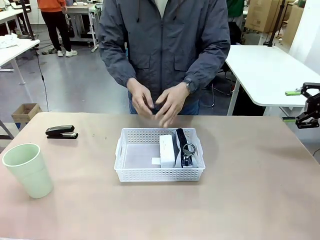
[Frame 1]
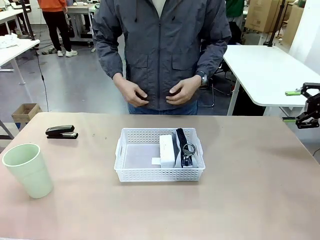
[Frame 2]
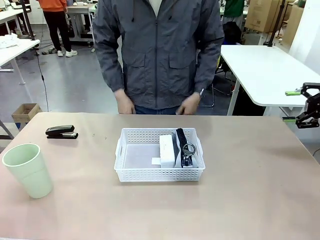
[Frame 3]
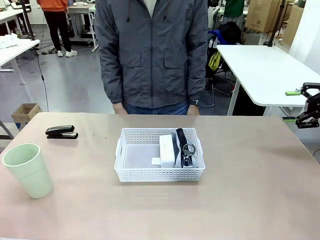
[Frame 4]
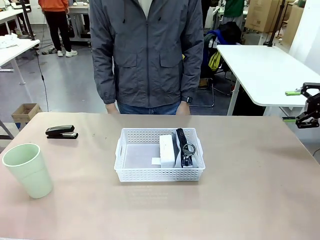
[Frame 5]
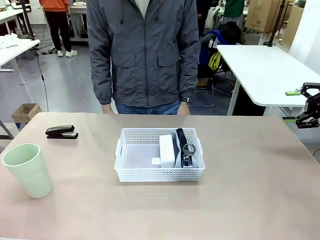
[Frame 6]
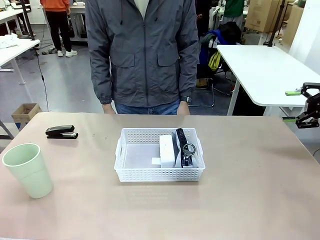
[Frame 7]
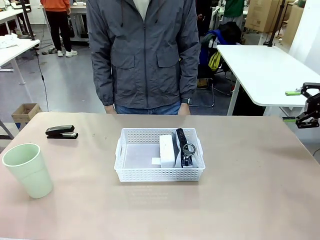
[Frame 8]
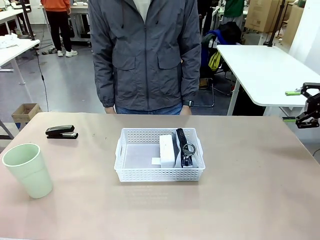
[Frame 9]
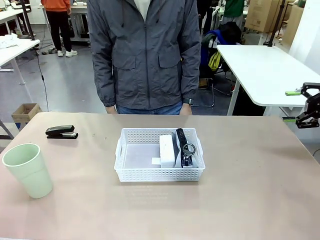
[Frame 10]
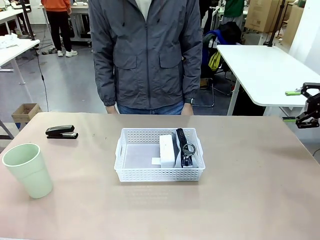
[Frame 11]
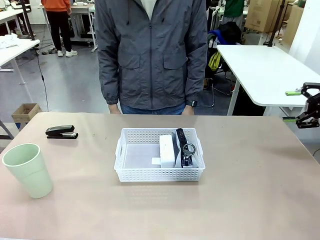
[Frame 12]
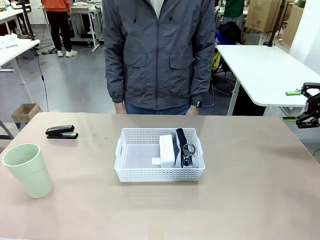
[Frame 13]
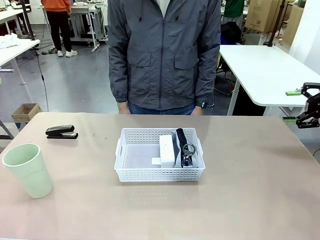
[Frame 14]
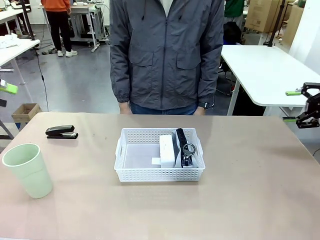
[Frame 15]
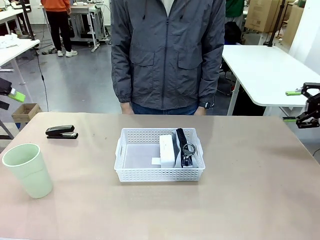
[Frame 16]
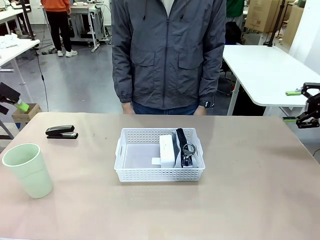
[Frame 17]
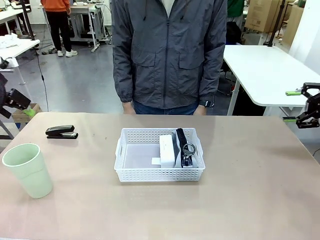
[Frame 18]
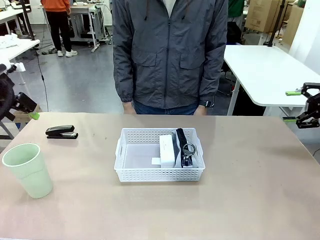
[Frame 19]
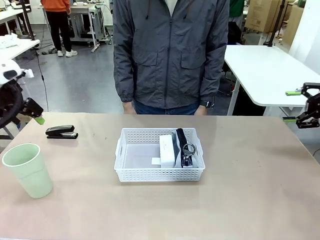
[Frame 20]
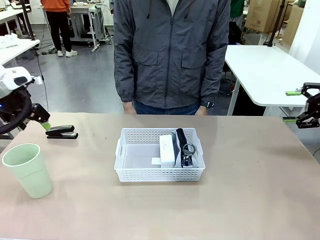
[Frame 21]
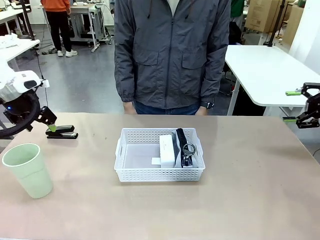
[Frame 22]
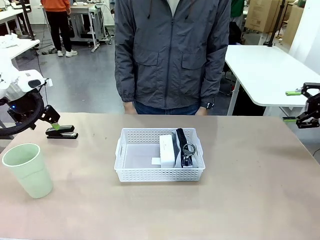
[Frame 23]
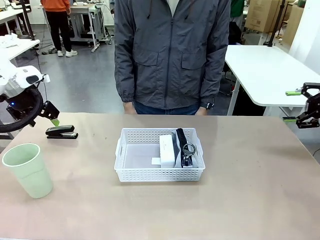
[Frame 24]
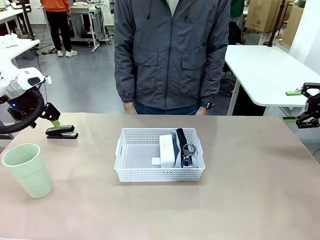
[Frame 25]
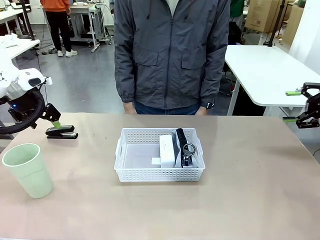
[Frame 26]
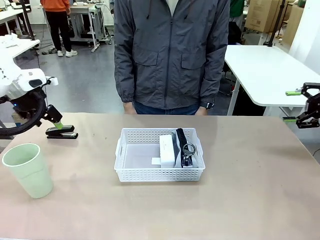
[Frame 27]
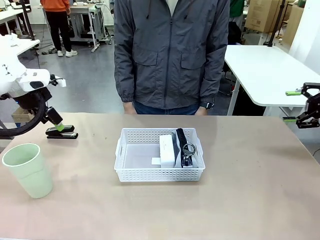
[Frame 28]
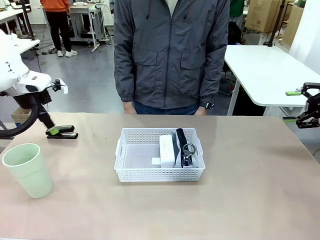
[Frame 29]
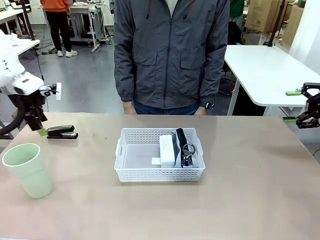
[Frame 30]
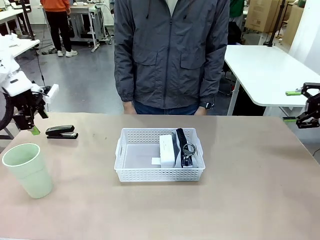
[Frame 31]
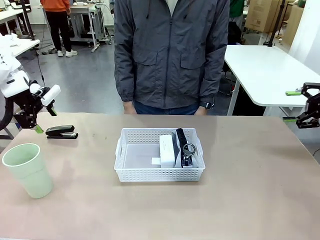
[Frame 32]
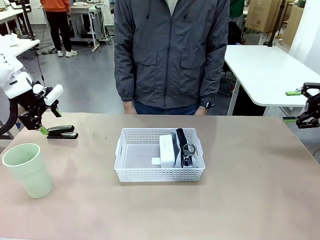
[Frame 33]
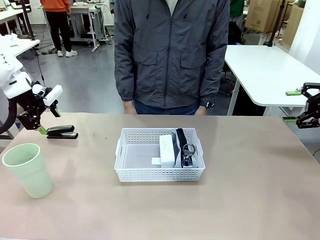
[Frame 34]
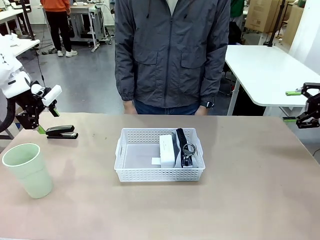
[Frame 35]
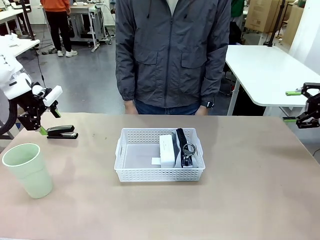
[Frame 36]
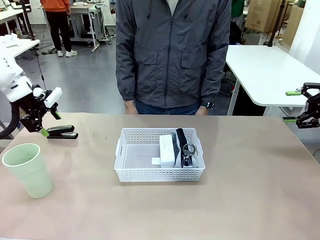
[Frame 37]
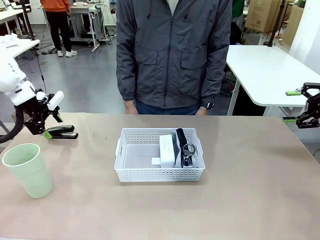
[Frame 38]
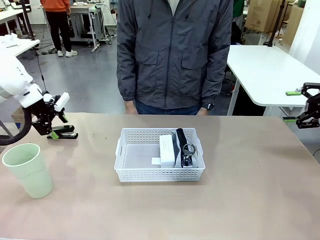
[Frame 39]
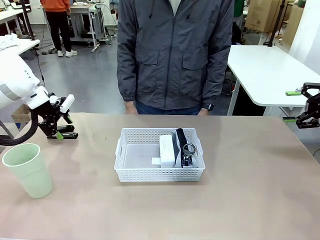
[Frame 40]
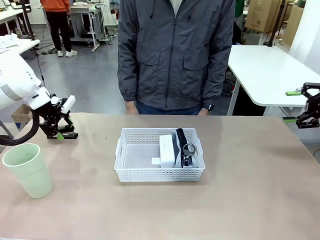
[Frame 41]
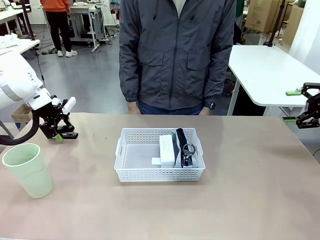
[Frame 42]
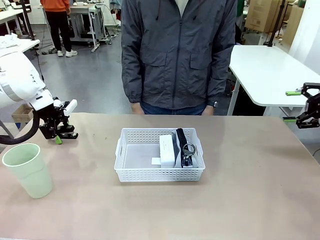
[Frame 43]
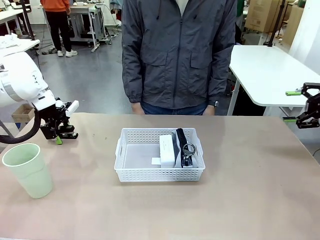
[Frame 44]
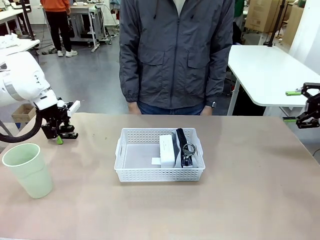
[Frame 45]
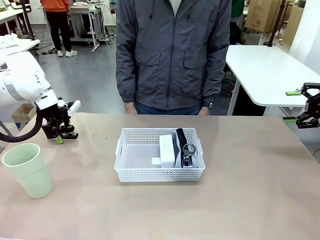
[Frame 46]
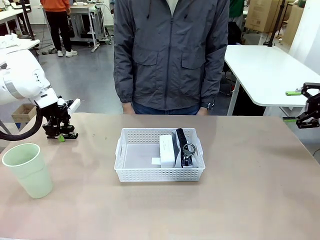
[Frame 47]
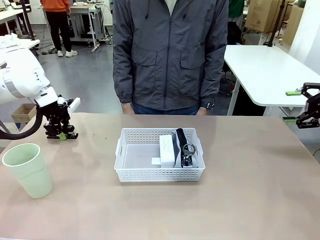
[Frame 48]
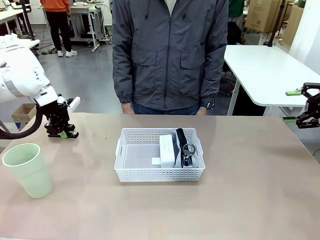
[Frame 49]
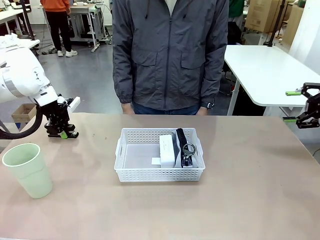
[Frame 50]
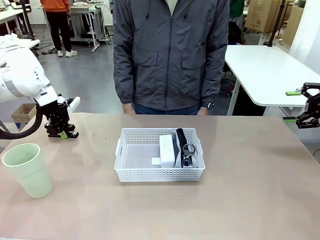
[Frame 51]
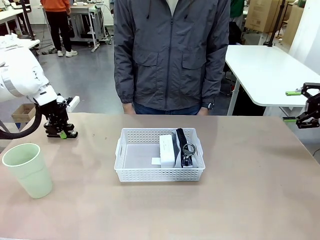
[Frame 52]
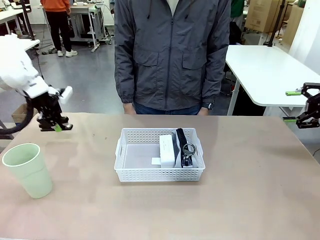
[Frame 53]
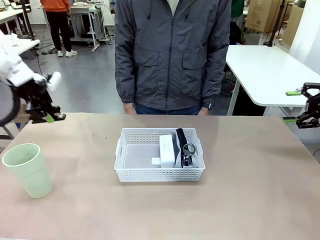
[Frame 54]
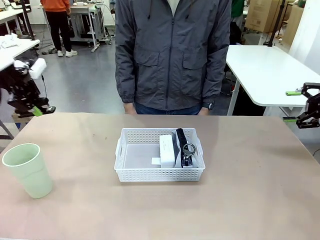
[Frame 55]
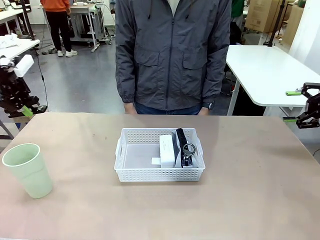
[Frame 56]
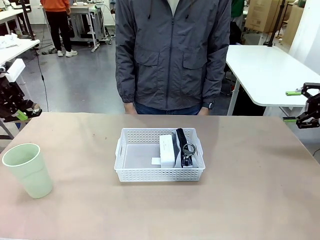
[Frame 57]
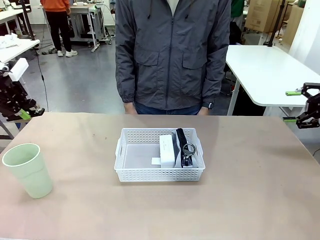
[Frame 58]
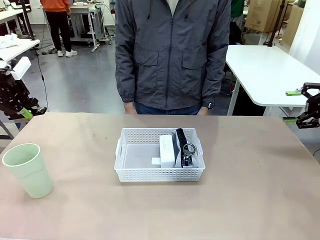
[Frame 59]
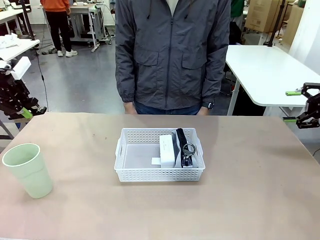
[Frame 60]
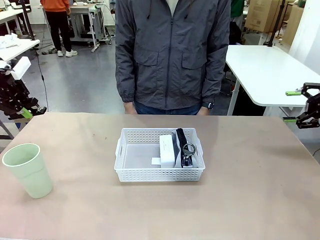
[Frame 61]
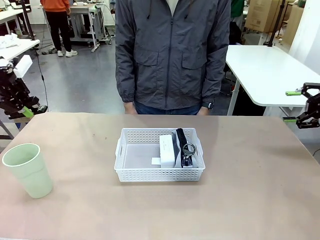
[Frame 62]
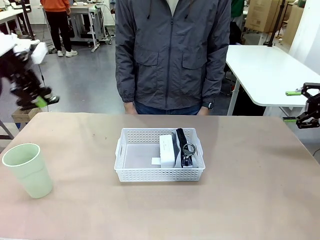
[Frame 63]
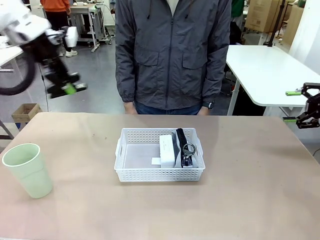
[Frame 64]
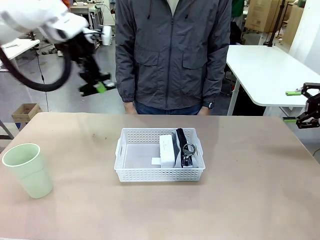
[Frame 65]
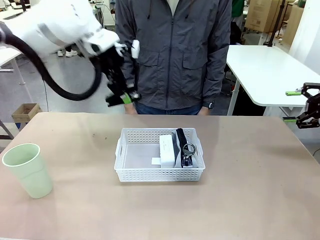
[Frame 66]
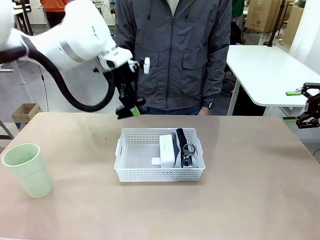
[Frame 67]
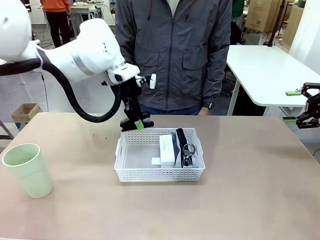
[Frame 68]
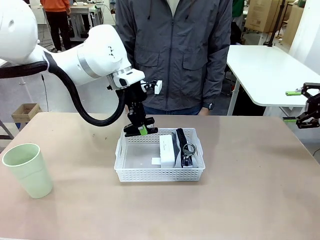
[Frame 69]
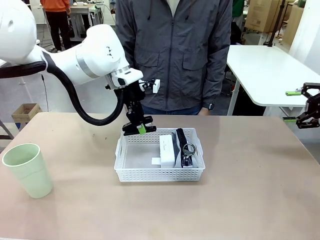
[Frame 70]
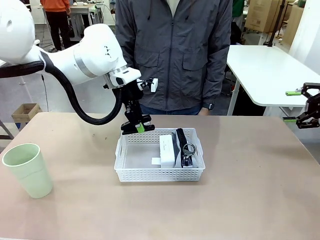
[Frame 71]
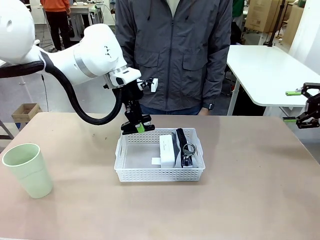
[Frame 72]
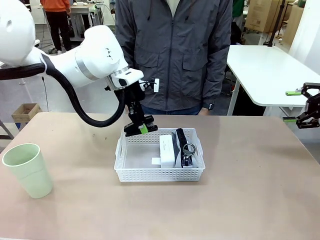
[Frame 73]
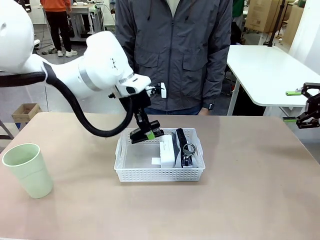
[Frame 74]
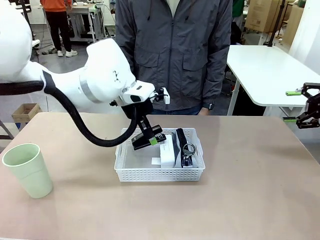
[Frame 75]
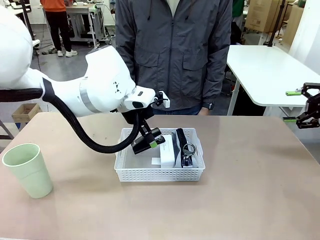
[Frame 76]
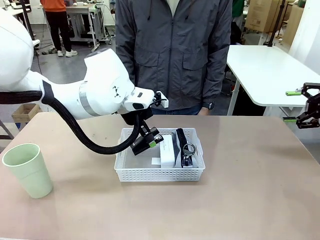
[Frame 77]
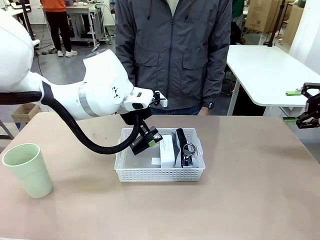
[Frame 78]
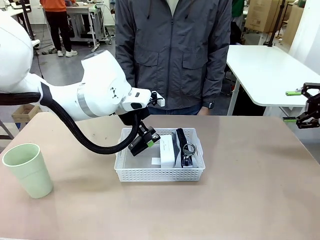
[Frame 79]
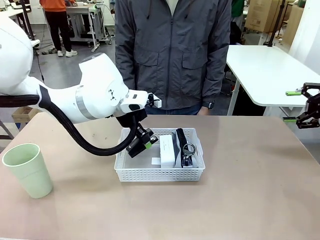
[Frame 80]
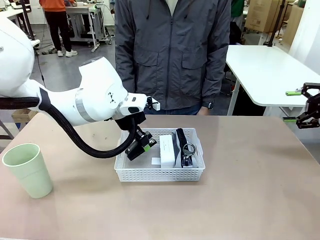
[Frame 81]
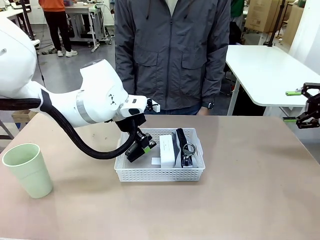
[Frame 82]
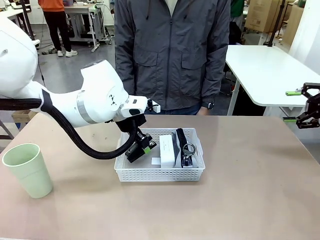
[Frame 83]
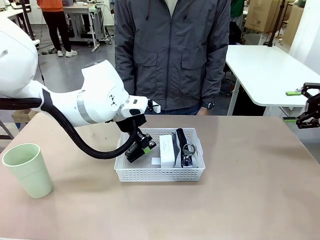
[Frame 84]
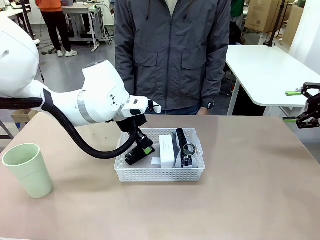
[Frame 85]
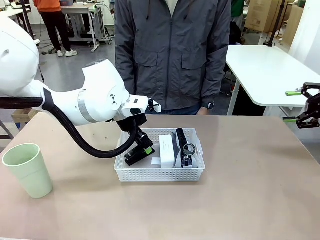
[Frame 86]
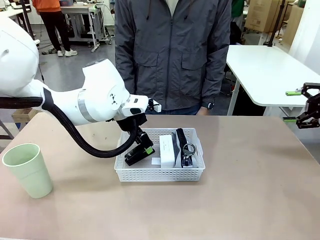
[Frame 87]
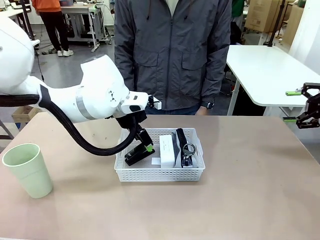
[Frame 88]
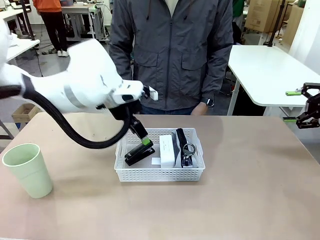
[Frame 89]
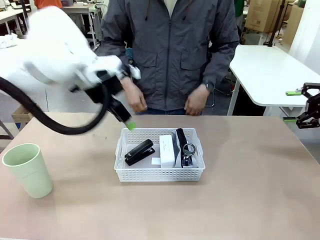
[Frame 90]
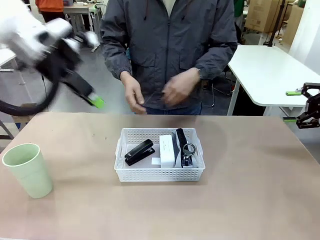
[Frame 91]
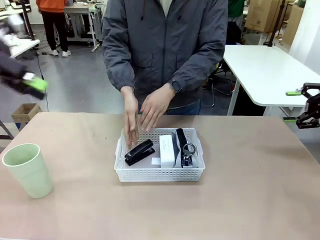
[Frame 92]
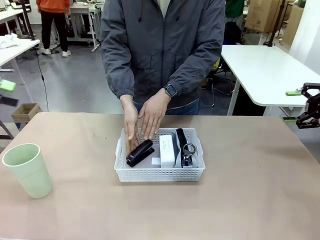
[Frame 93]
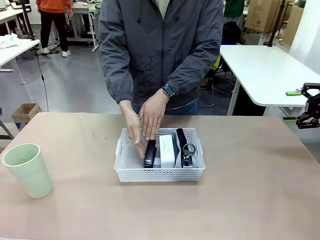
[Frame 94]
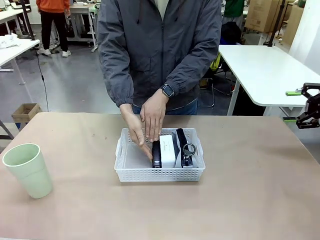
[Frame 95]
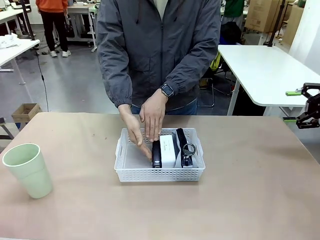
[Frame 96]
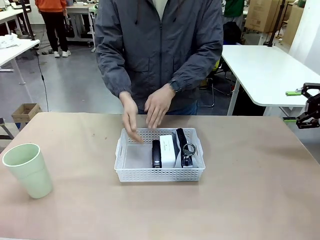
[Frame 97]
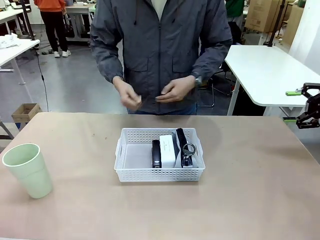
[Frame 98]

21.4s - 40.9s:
Task: Efficiently arrange items inside the basket to fit them all.
Robot: Pick up the Stapler and place it inside the Organizing basket.
Person: Repositions the stapler.
